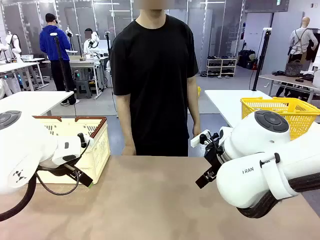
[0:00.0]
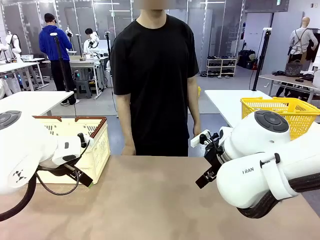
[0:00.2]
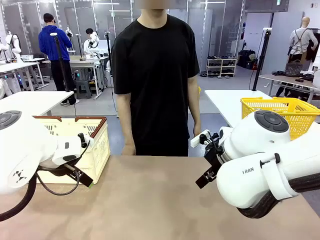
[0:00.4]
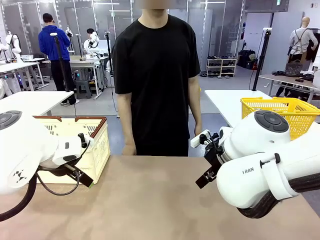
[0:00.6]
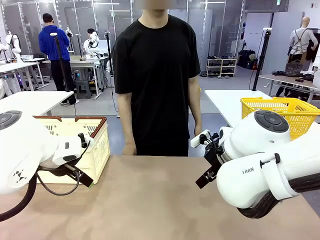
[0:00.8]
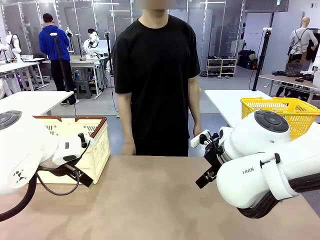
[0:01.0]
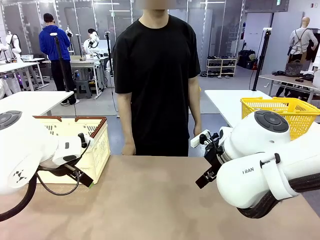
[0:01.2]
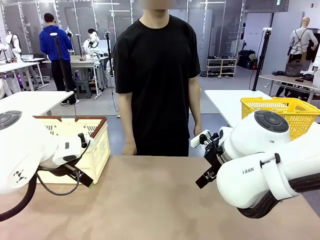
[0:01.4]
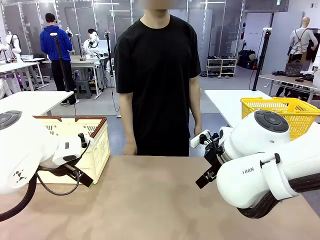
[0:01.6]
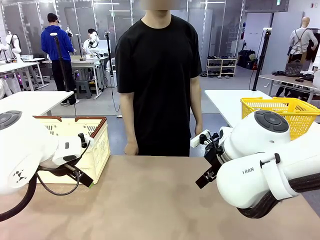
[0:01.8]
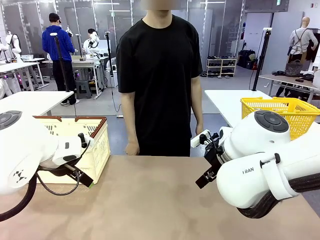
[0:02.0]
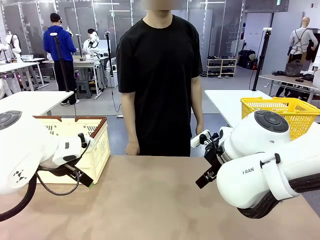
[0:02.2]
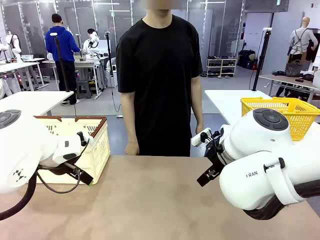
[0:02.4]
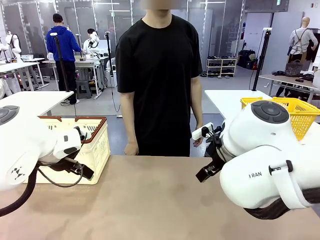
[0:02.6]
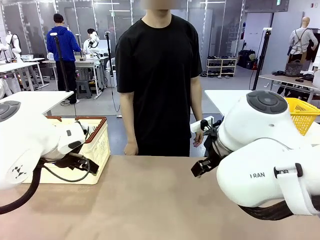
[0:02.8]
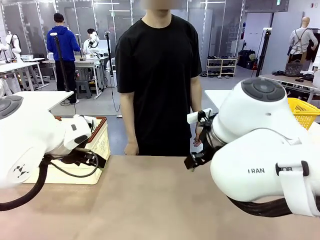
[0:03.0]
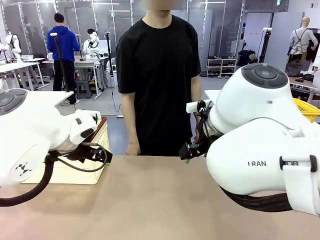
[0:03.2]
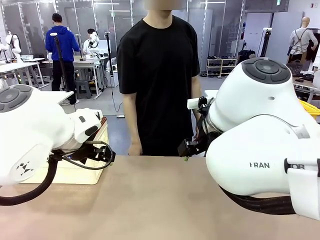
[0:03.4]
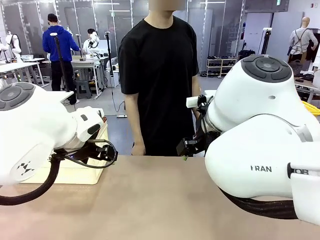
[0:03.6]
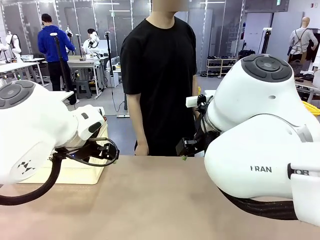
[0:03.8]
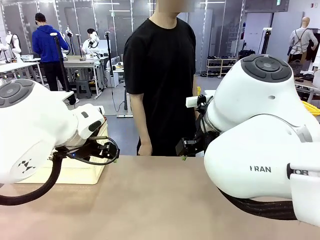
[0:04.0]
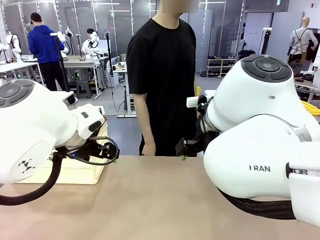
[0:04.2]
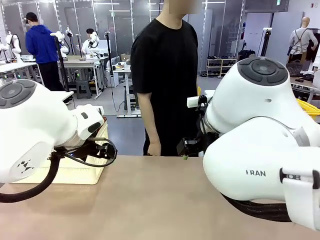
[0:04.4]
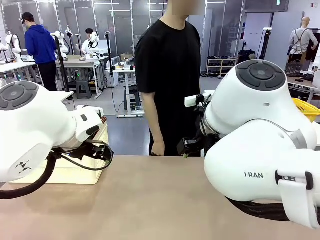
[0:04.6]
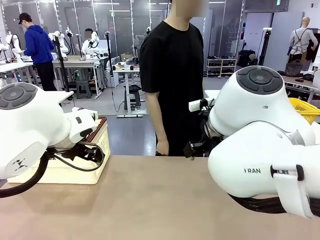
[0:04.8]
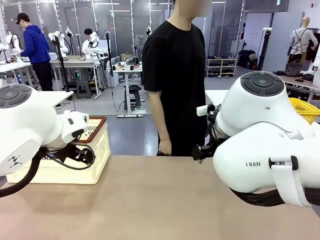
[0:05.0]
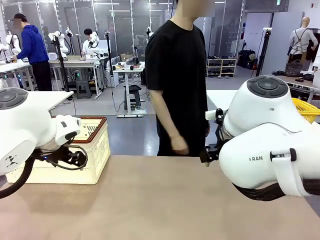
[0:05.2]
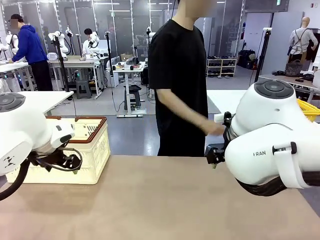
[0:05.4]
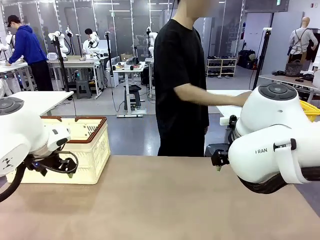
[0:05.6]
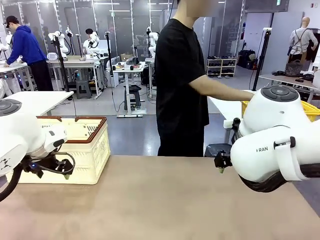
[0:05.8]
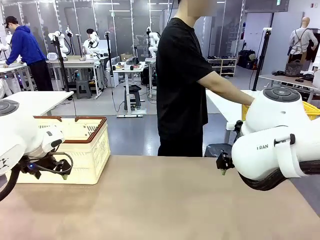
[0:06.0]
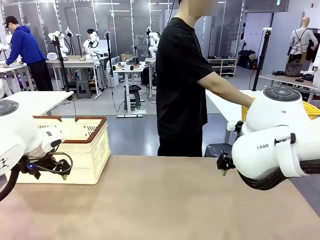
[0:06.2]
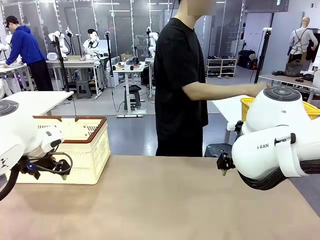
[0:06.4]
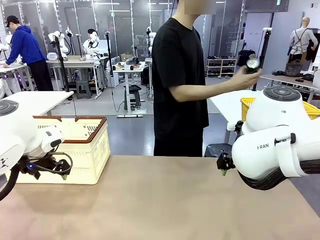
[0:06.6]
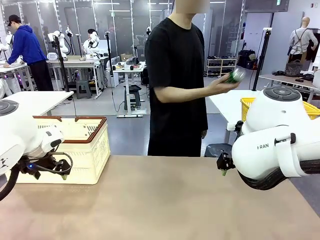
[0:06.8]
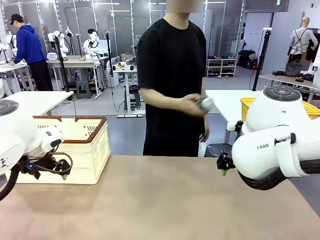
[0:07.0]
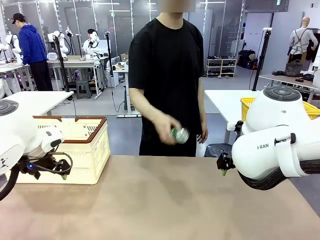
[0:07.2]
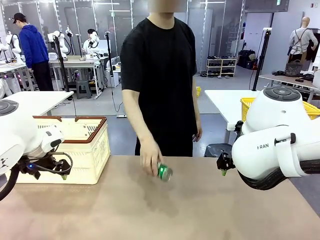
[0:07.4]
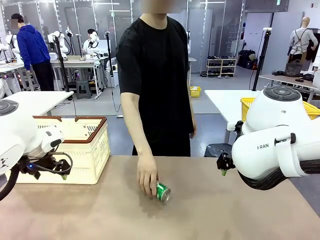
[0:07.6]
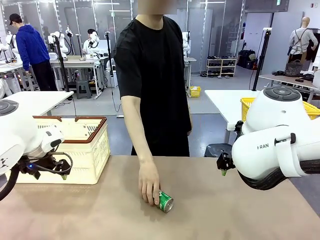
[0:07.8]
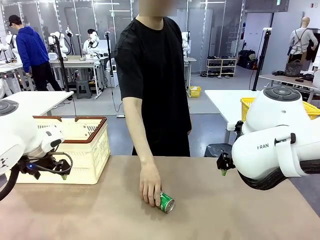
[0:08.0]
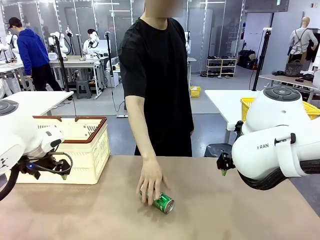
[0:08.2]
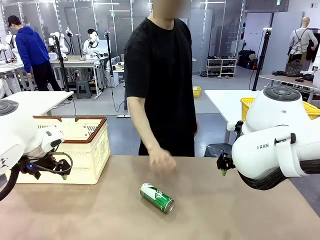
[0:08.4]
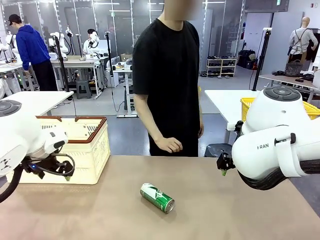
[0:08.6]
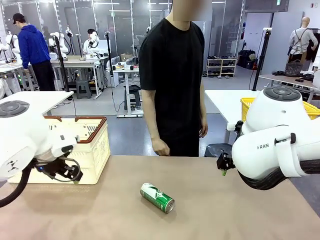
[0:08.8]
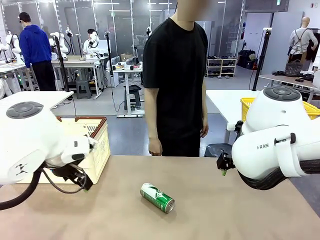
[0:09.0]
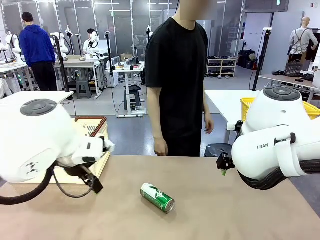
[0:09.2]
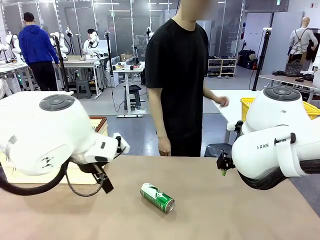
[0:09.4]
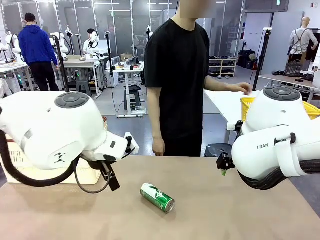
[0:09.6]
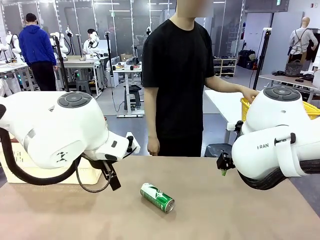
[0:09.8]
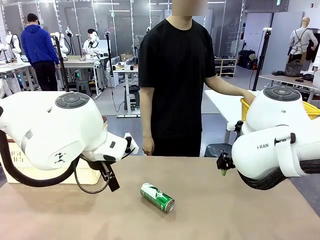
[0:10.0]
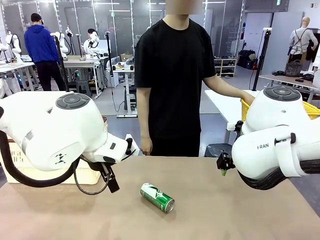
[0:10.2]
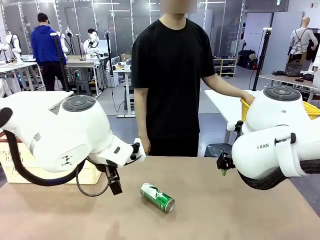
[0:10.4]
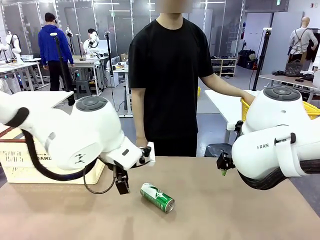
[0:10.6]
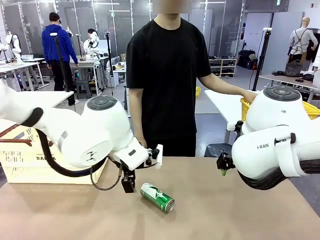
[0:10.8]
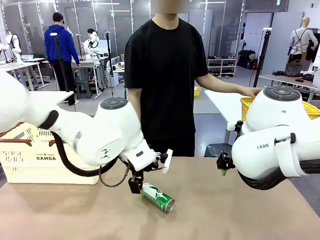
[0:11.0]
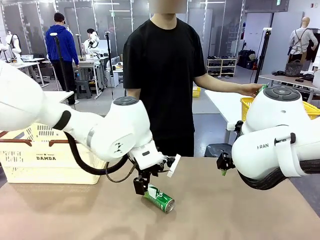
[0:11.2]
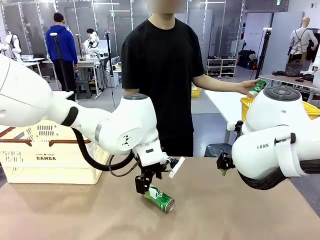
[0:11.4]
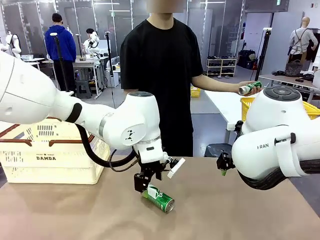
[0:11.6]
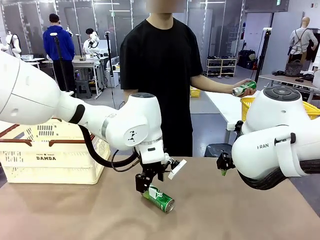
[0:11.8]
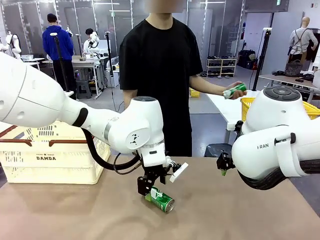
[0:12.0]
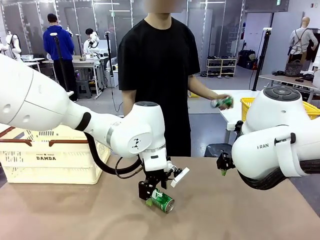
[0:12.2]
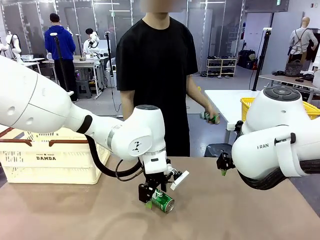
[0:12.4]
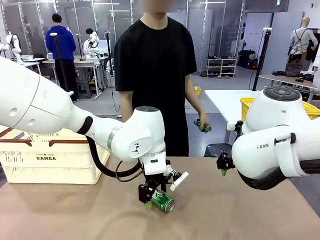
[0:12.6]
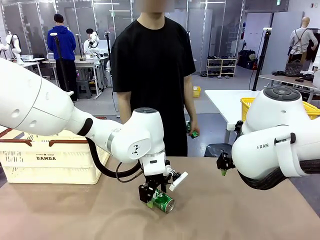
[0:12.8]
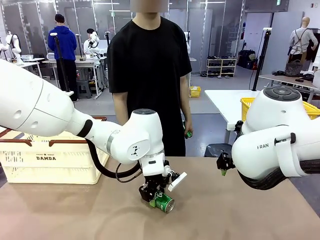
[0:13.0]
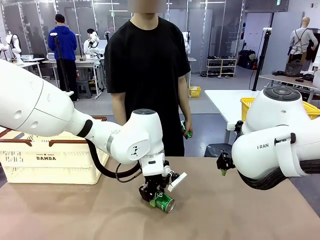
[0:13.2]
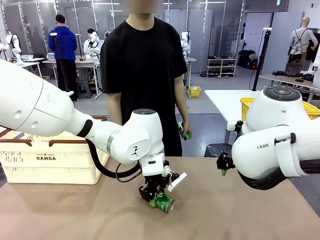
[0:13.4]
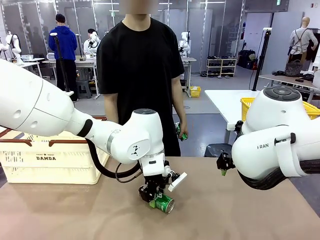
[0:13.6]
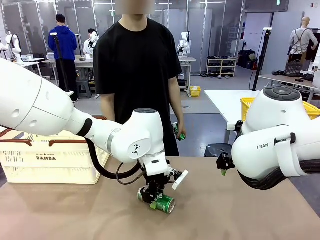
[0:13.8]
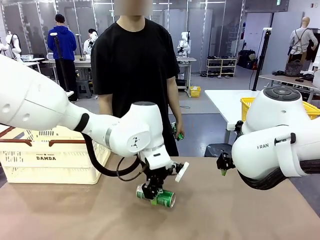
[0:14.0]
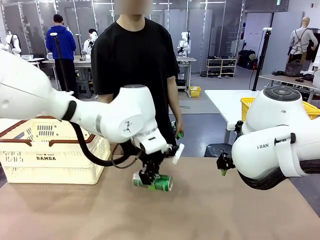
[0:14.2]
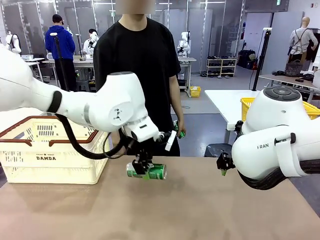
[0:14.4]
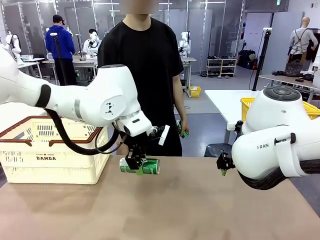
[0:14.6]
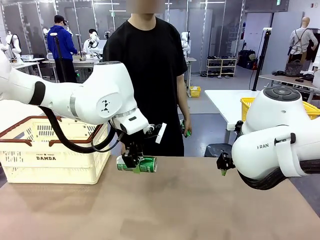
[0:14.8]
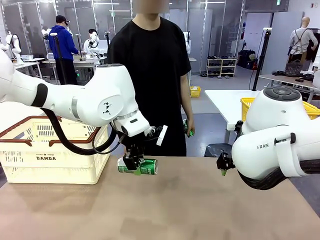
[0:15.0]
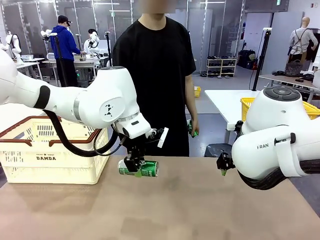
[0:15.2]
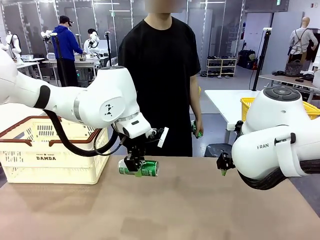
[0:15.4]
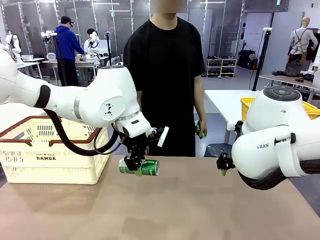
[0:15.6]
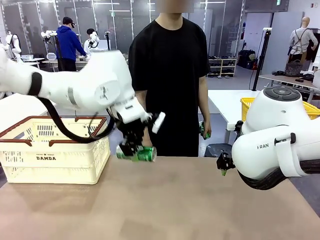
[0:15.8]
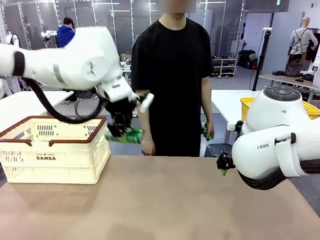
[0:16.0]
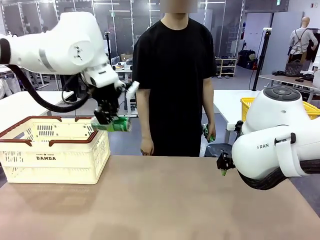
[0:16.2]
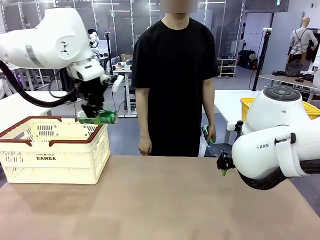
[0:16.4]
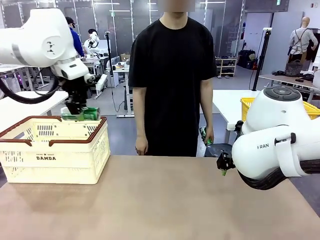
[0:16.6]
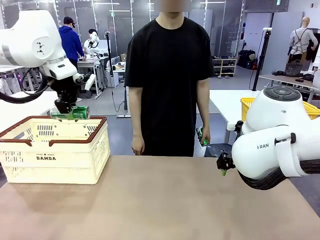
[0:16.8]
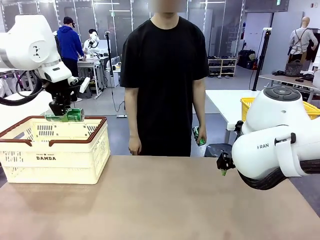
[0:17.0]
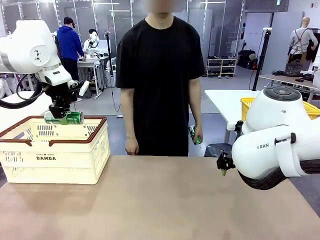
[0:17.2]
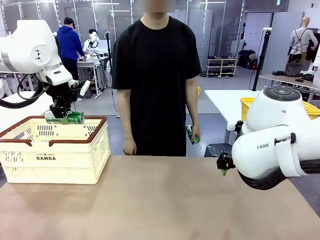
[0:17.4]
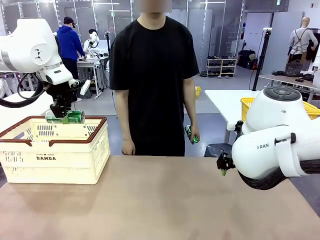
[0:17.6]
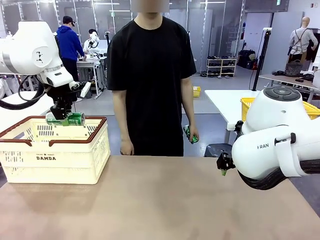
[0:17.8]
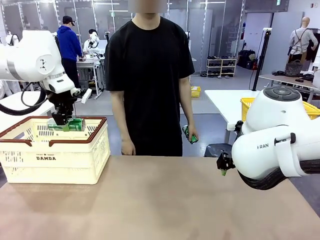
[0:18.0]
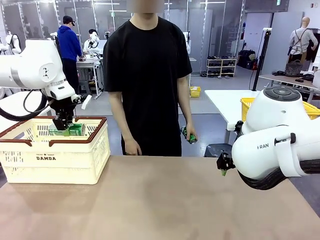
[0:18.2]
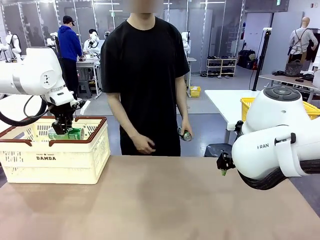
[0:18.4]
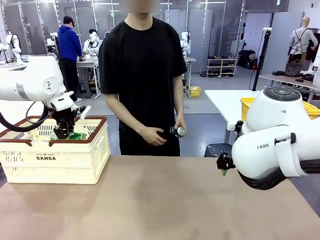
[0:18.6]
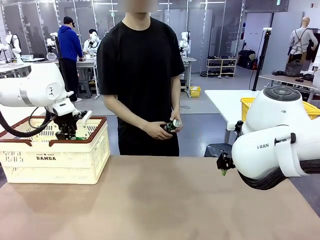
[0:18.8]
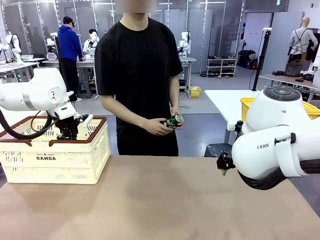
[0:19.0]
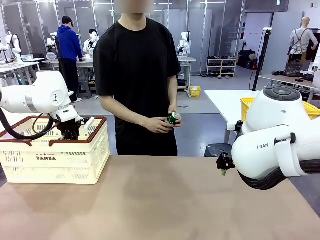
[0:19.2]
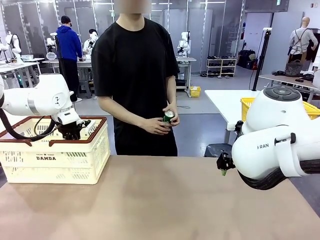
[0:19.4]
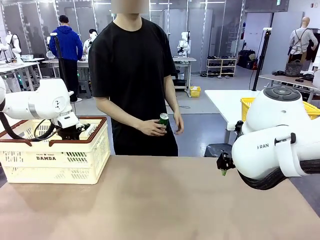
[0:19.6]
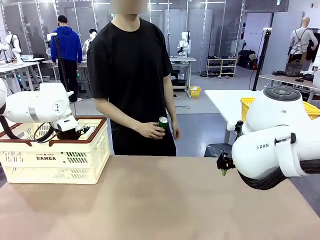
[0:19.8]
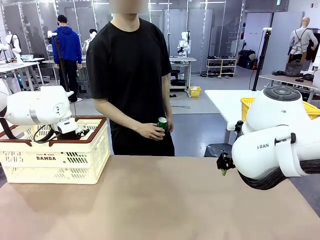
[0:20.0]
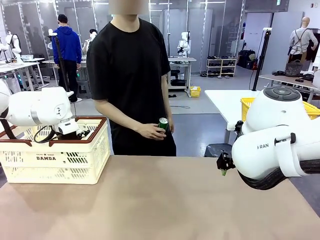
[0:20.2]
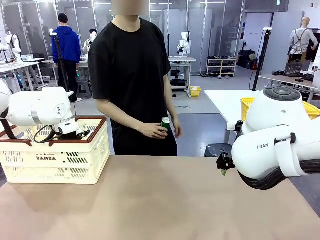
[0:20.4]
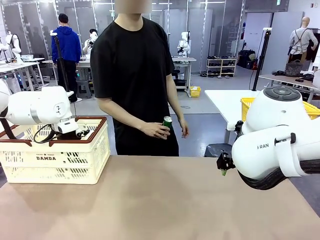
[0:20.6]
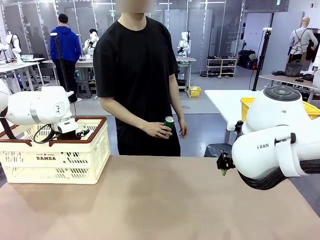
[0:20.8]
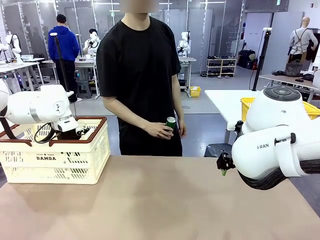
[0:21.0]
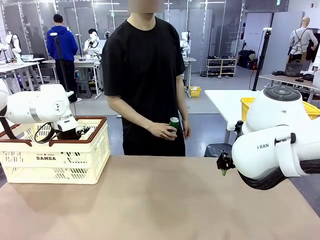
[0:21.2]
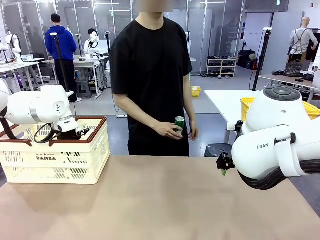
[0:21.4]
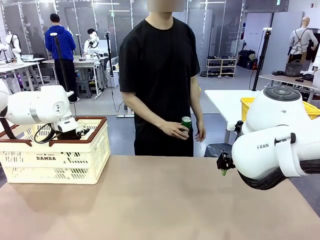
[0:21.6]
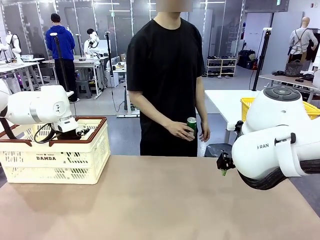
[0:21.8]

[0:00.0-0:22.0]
Task: Place the drinks into the Shopping basket.
Robot: Pick up one drink and place it into the Shopping basket.
